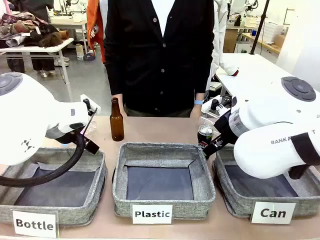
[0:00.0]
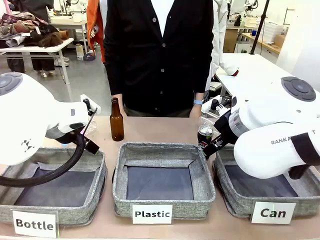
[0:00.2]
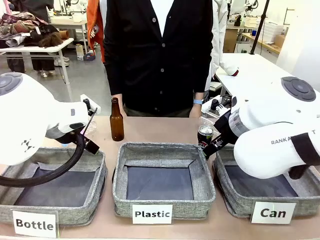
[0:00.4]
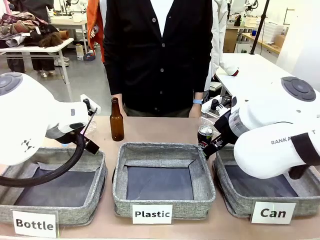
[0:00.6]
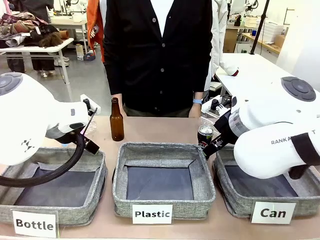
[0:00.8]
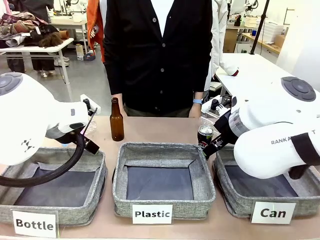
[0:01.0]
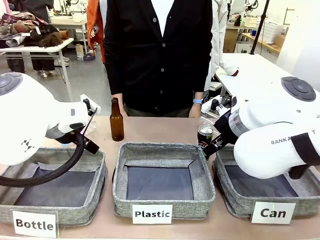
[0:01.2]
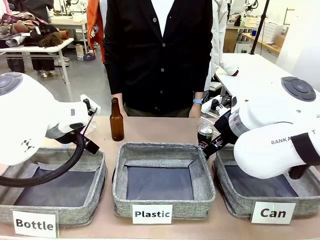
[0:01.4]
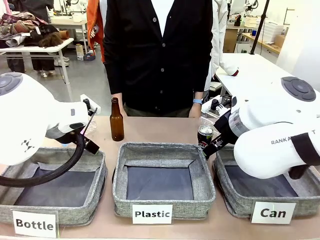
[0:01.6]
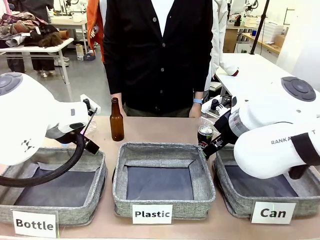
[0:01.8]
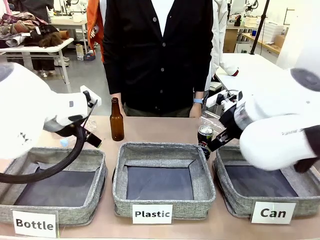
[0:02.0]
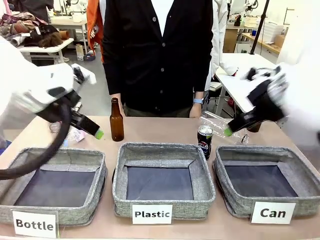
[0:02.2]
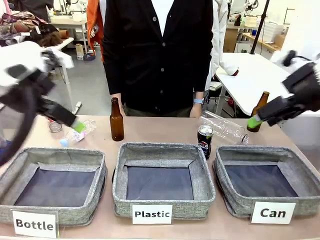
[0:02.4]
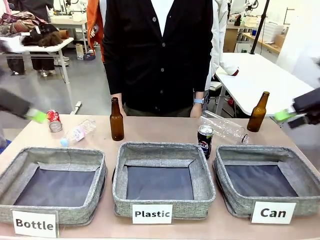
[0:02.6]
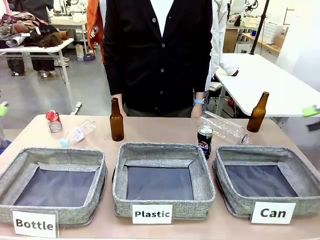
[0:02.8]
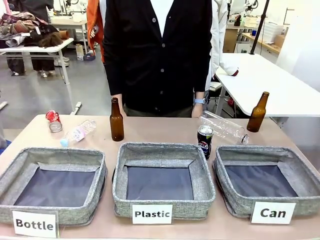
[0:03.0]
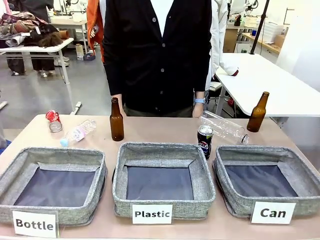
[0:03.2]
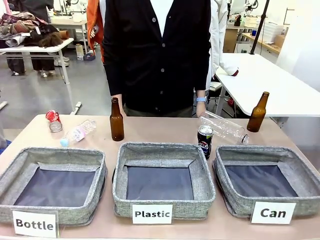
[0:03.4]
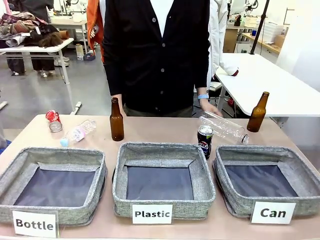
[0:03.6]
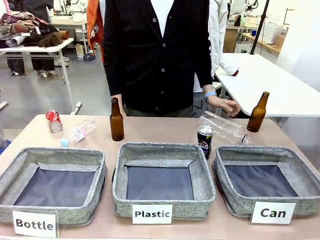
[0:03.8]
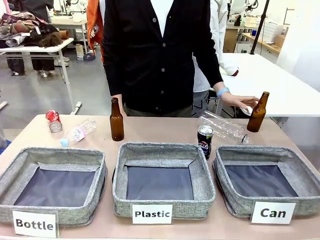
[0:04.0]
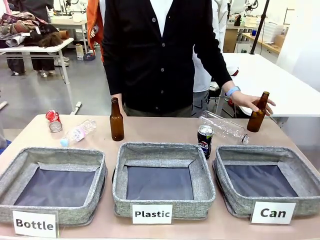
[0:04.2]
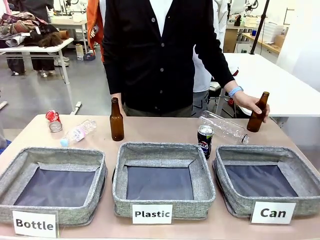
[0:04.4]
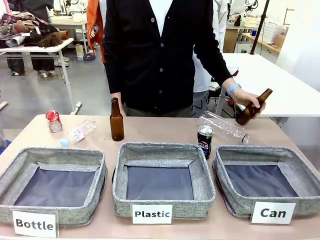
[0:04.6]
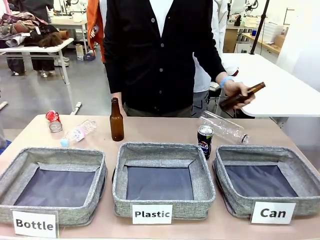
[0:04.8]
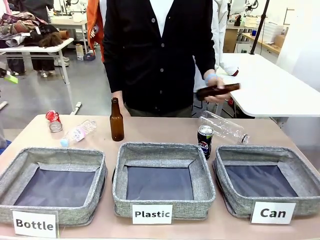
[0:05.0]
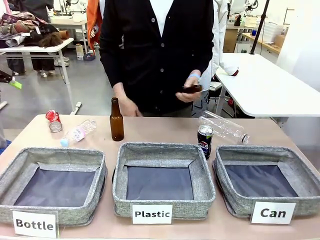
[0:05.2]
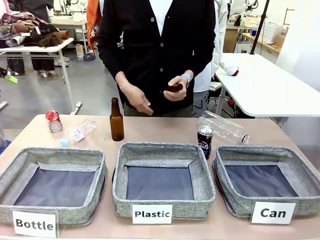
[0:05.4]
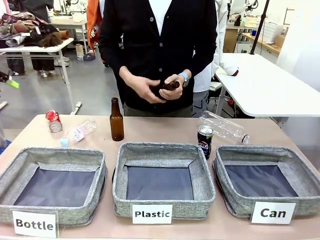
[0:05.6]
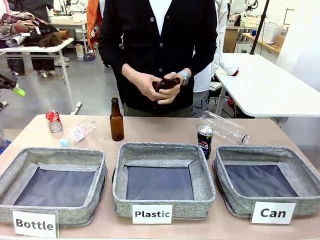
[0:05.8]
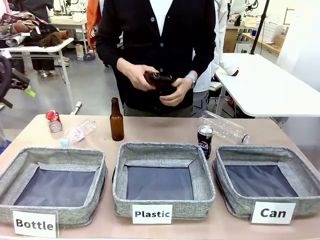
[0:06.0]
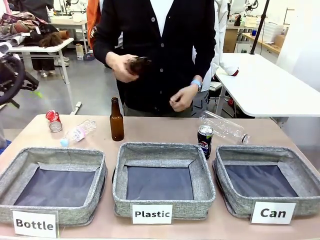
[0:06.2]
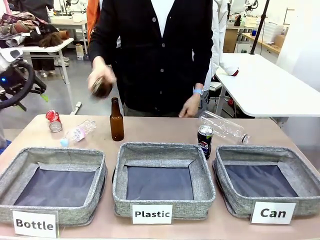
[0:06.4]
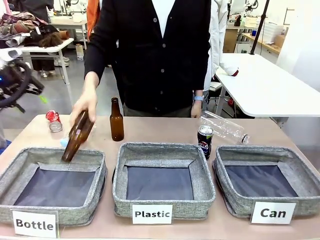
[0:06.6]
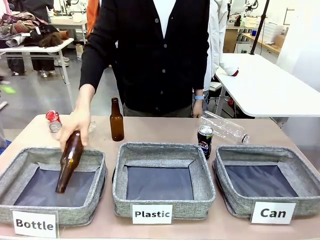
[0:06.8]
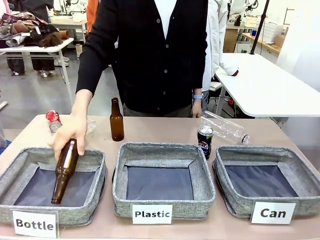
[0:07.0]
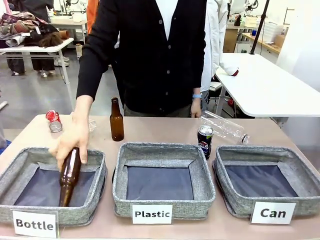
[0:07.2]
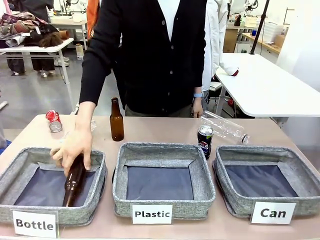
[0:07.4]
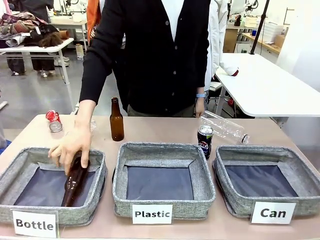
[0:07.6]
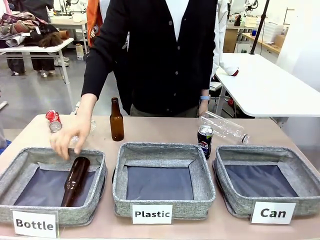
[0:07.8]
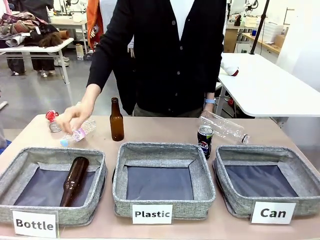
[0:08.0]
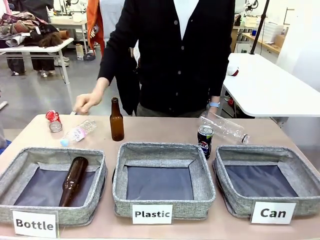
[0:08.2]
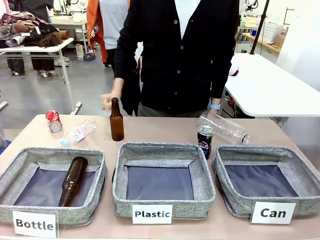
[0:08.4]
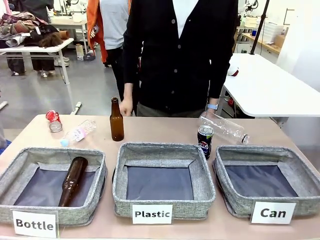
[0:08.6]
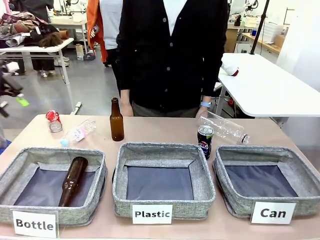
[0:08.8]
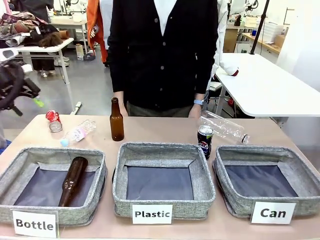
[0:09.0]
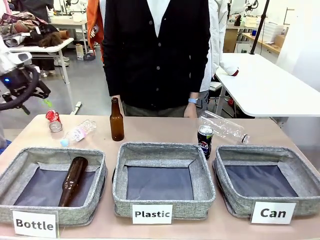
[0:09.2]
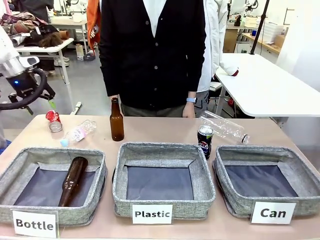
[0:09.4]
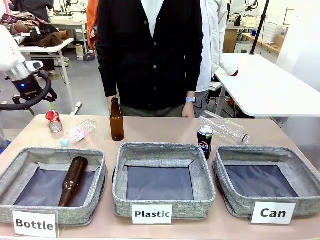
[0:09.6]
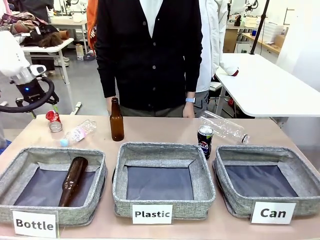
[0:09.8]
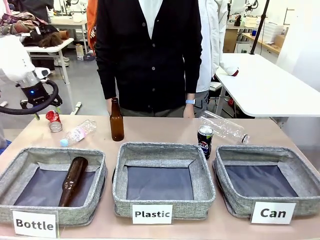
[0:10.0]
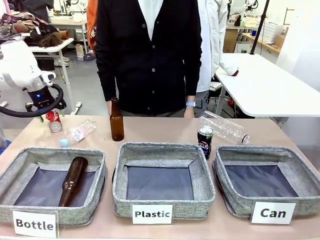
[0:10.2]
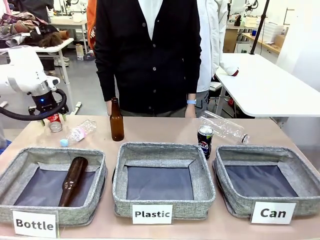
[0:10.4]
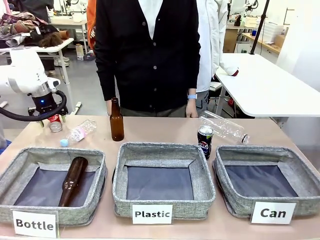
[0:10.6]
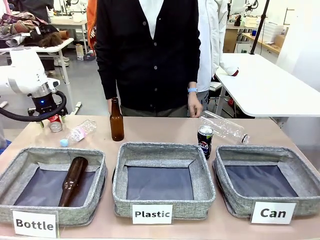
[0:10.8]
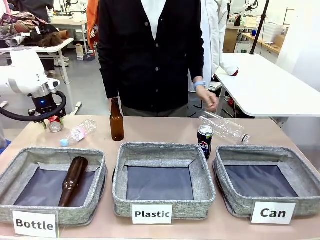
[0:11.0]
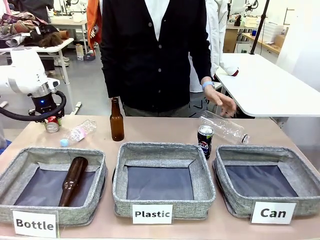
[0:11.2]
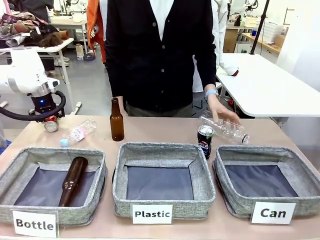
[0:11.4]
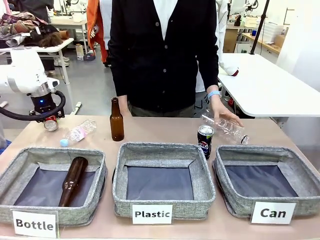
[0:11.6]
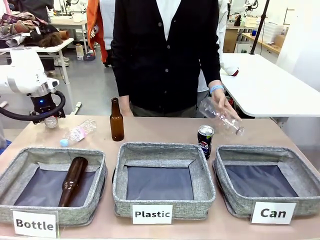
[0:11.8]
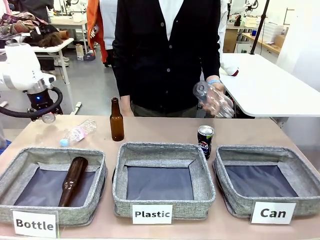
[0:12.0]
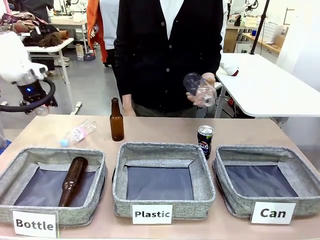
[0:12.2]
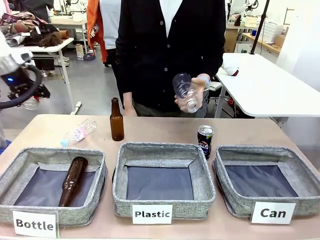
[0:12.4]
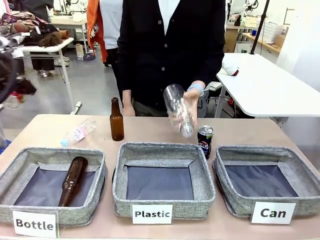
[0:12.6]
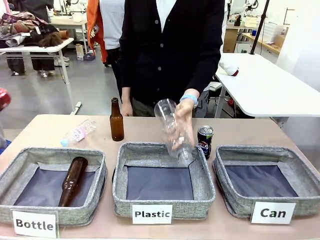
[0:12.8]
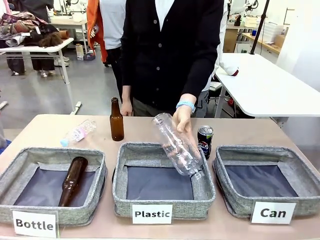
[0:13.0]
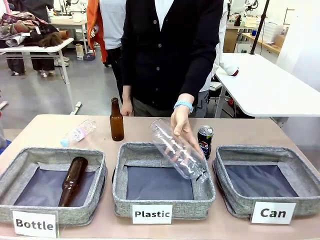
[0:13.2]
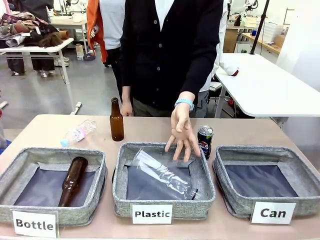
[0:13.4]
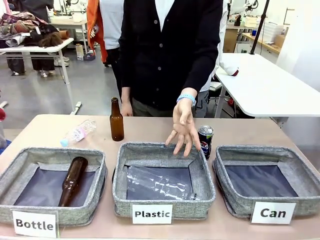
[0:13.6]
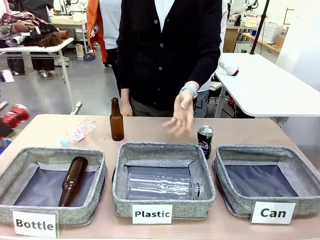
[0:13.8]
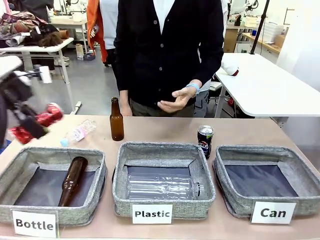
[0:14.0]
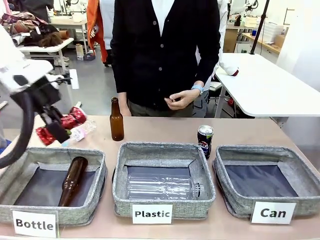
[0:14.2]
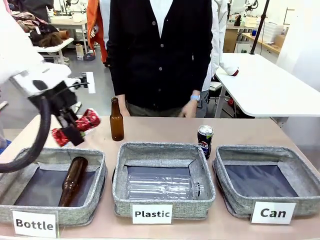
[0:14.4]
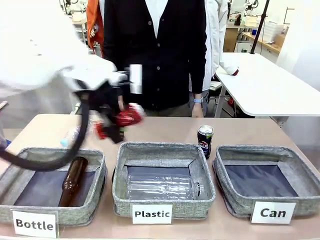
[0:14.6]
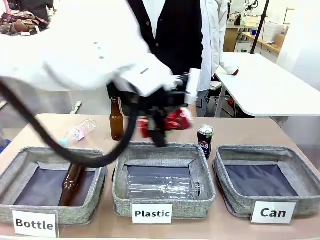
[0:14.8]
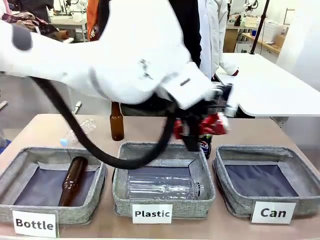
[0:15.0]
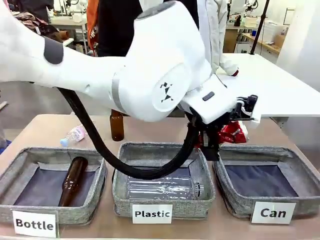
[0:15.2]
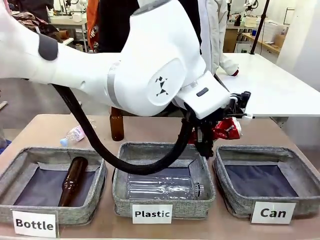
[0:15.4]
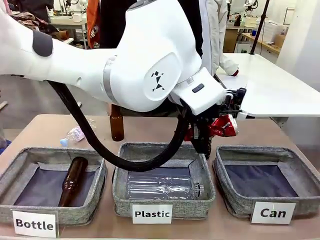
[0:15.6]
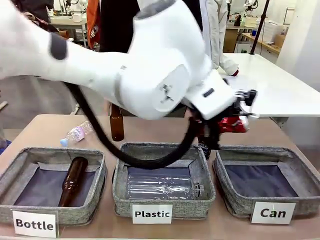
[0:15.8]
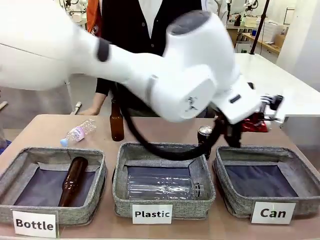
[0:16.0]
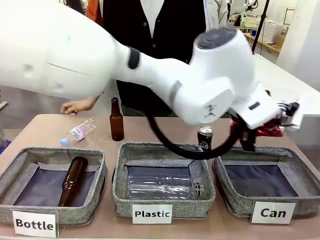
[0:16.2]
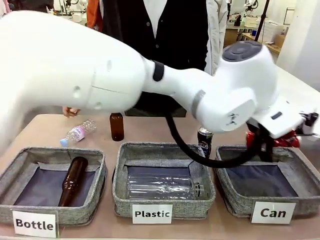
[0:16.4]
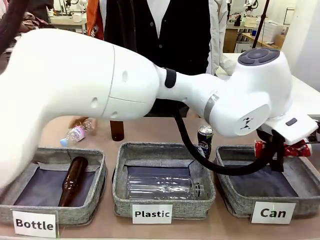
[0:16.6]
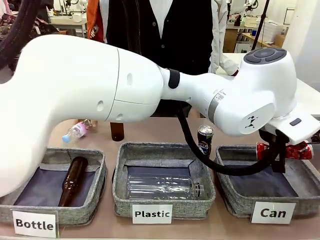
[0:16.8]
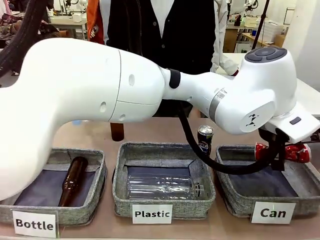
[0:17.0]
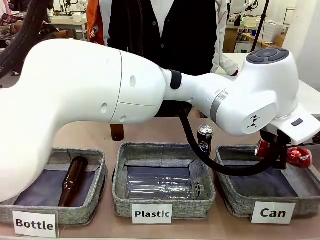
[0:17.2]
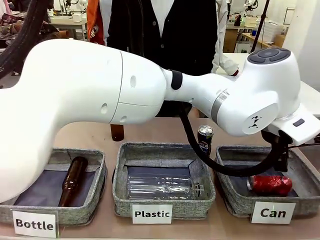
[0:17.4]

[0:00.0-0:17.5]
Task: Sort the can waste into the basket.
Robot: Pick up the can waste from the table and place it in the right Fabric basket.
